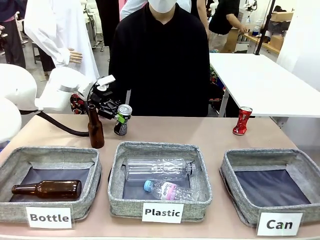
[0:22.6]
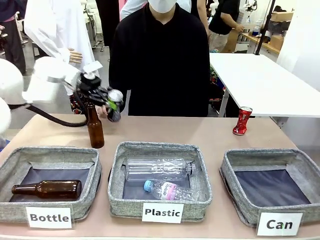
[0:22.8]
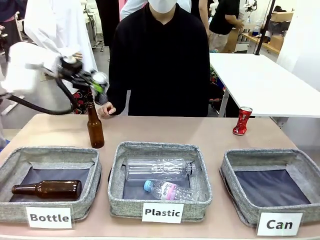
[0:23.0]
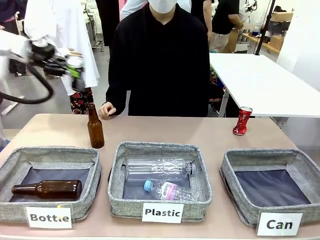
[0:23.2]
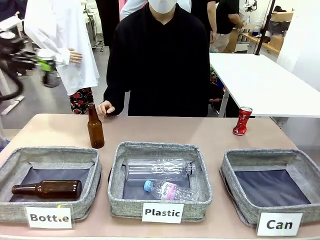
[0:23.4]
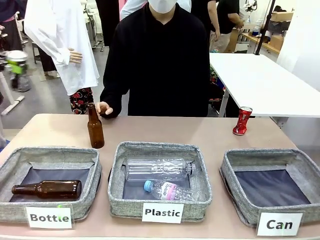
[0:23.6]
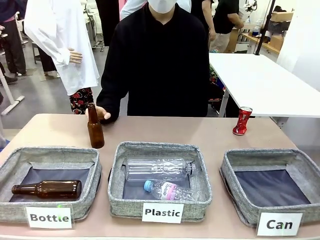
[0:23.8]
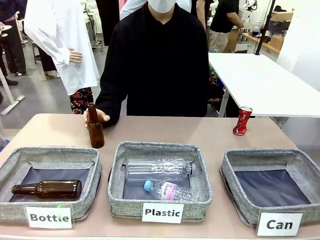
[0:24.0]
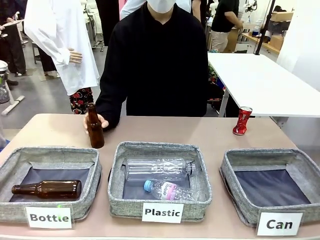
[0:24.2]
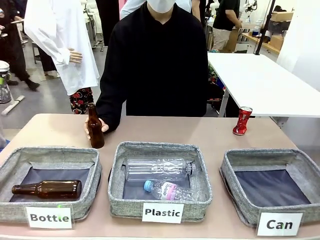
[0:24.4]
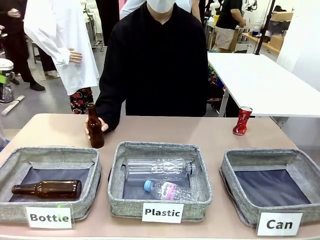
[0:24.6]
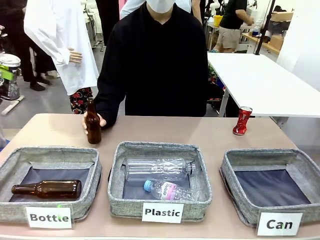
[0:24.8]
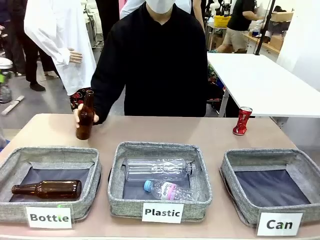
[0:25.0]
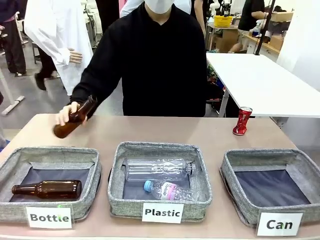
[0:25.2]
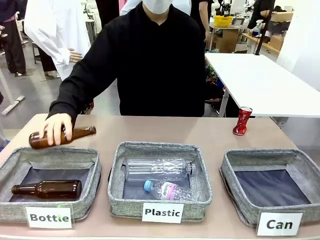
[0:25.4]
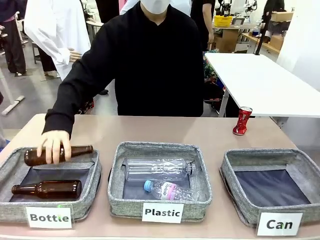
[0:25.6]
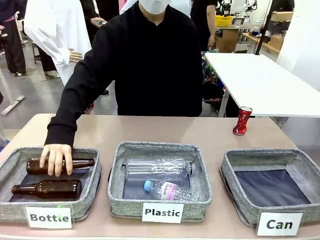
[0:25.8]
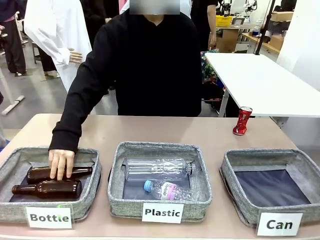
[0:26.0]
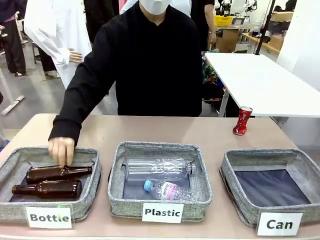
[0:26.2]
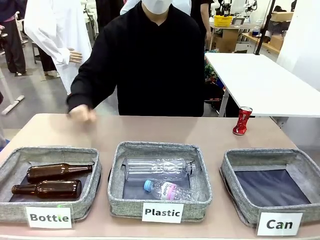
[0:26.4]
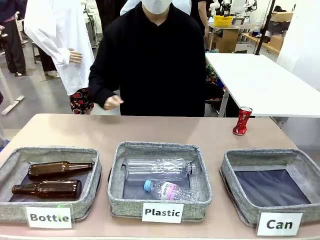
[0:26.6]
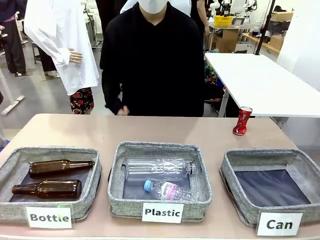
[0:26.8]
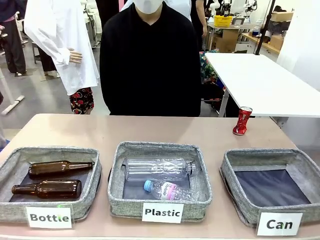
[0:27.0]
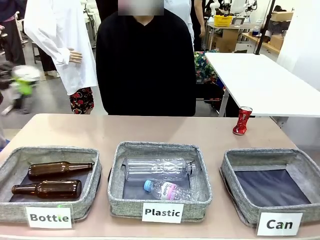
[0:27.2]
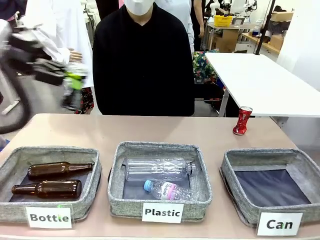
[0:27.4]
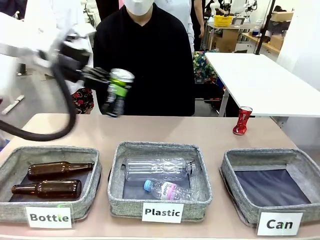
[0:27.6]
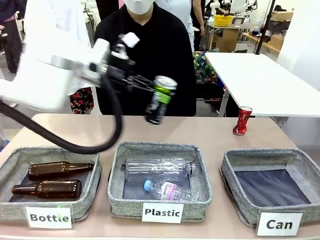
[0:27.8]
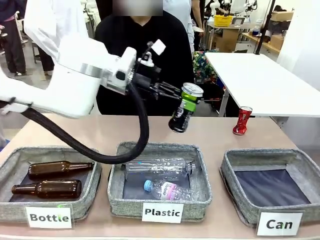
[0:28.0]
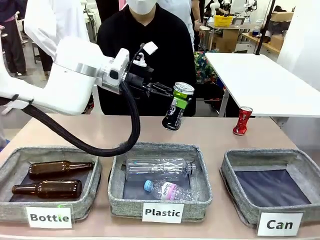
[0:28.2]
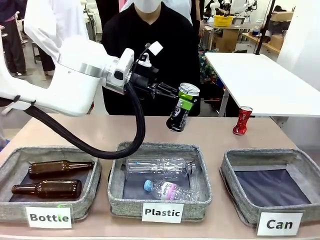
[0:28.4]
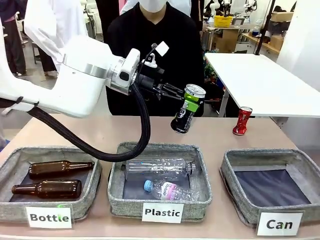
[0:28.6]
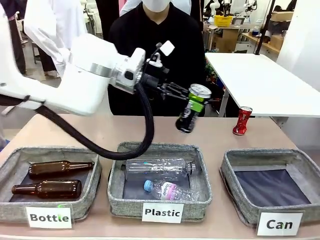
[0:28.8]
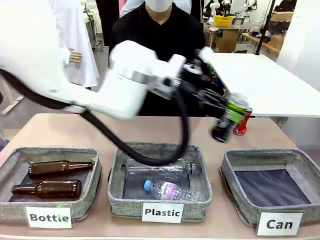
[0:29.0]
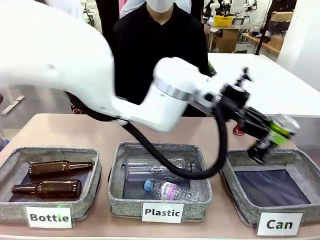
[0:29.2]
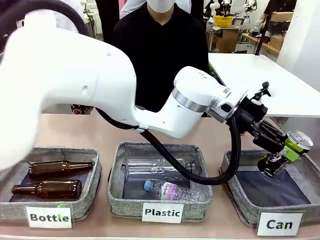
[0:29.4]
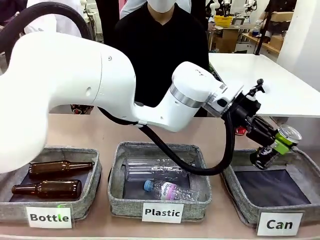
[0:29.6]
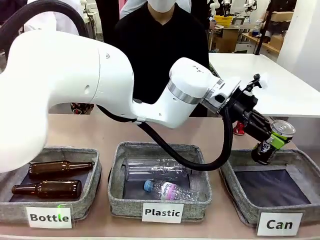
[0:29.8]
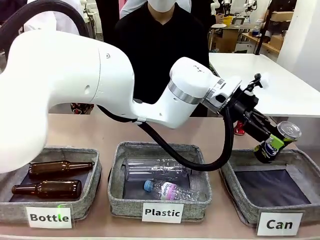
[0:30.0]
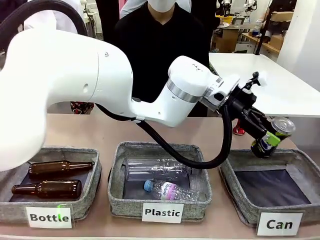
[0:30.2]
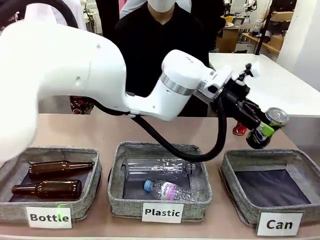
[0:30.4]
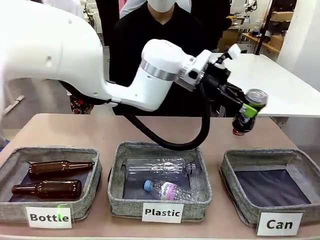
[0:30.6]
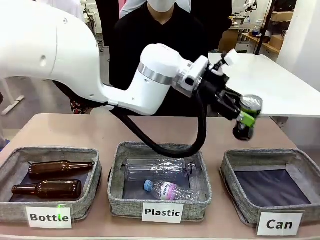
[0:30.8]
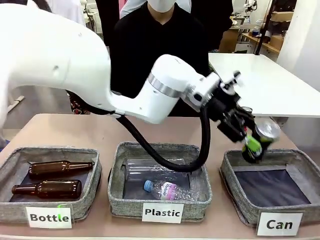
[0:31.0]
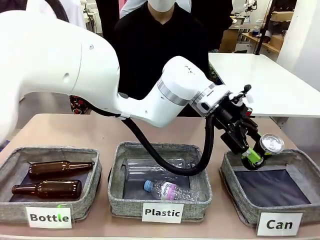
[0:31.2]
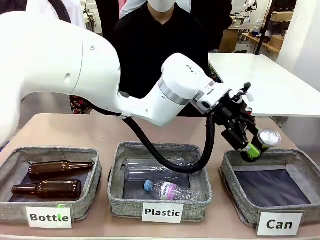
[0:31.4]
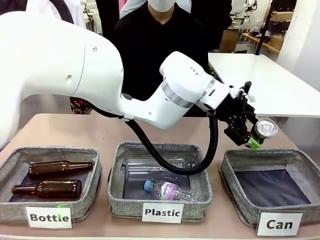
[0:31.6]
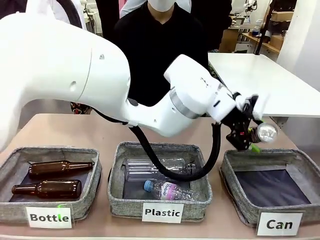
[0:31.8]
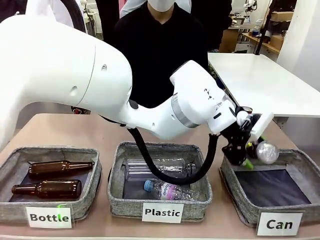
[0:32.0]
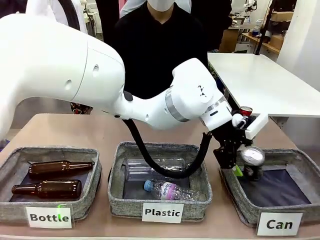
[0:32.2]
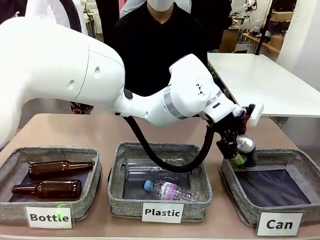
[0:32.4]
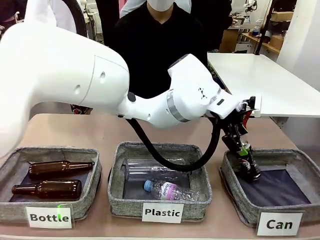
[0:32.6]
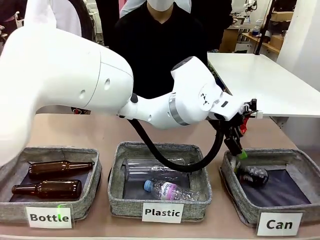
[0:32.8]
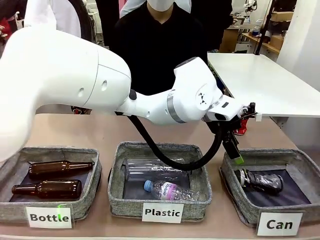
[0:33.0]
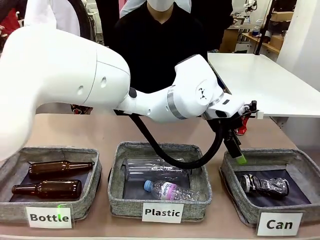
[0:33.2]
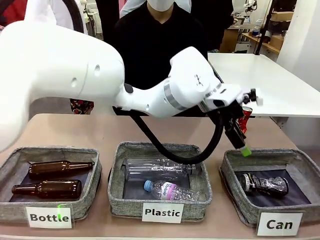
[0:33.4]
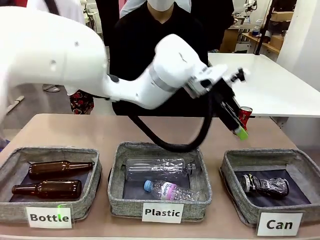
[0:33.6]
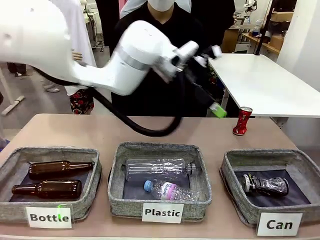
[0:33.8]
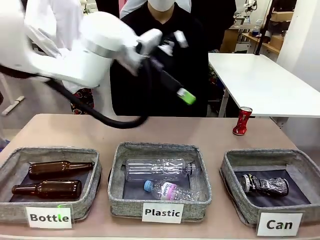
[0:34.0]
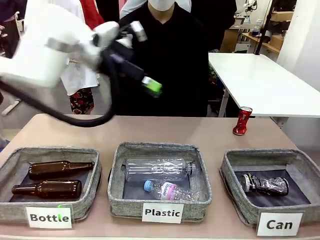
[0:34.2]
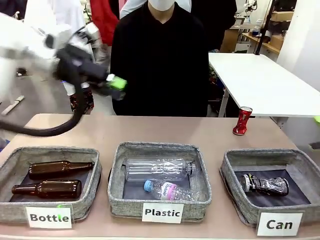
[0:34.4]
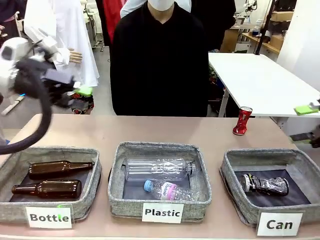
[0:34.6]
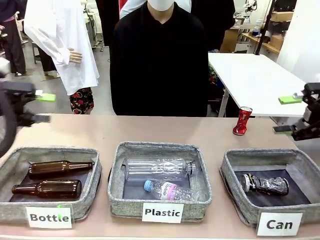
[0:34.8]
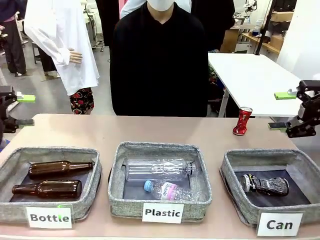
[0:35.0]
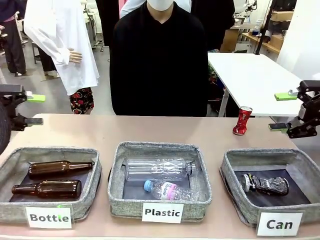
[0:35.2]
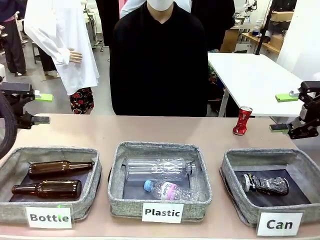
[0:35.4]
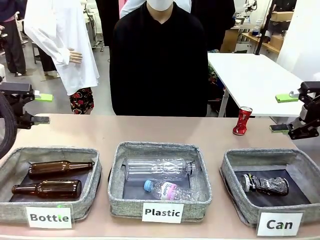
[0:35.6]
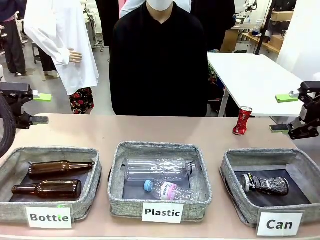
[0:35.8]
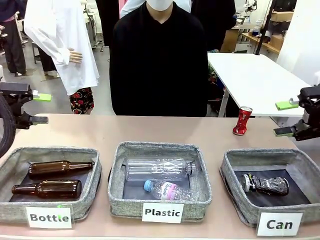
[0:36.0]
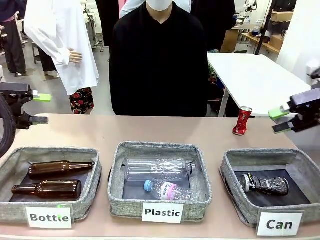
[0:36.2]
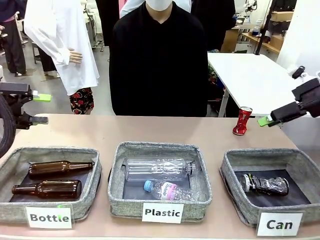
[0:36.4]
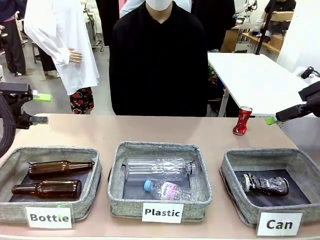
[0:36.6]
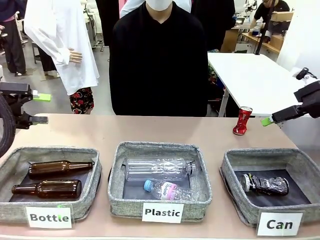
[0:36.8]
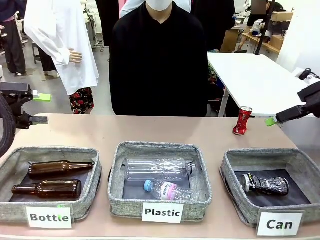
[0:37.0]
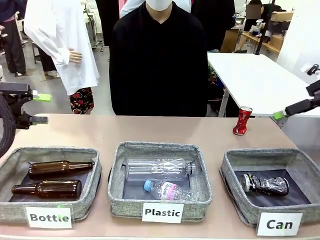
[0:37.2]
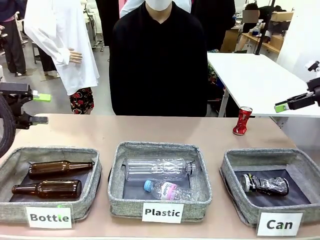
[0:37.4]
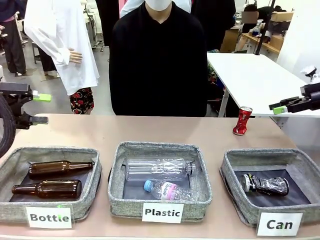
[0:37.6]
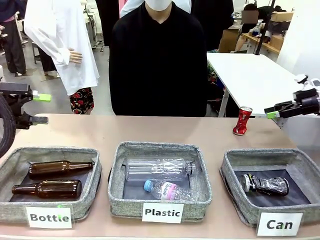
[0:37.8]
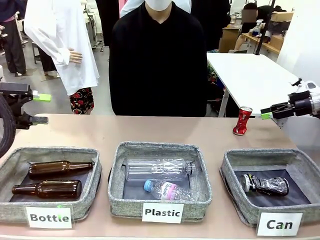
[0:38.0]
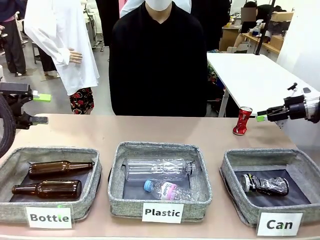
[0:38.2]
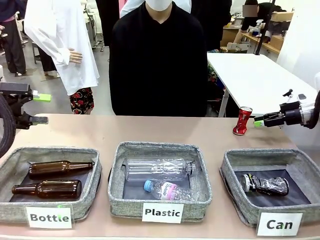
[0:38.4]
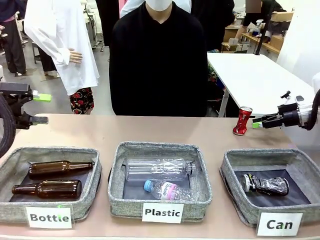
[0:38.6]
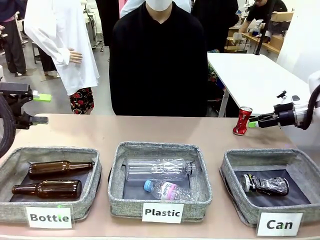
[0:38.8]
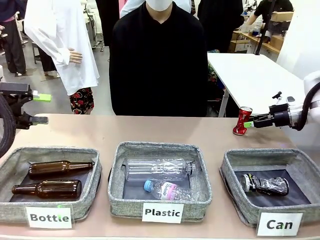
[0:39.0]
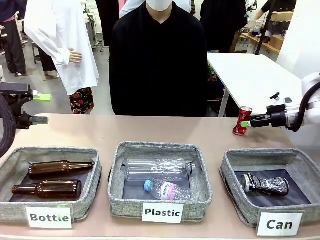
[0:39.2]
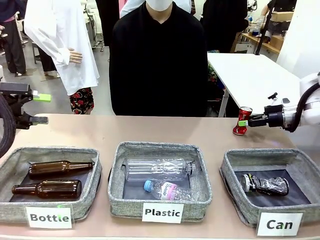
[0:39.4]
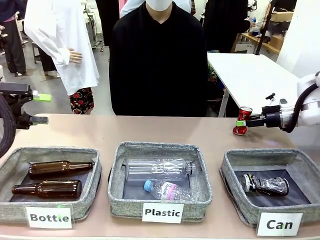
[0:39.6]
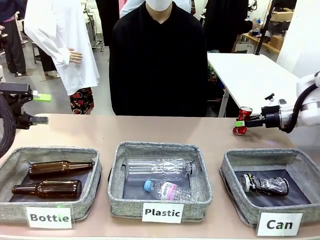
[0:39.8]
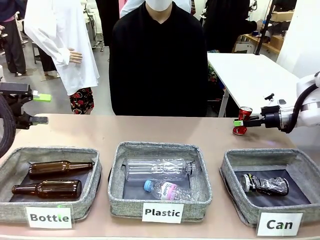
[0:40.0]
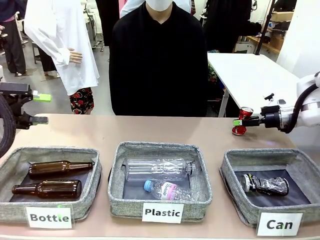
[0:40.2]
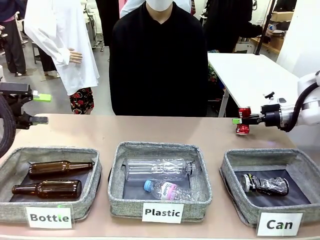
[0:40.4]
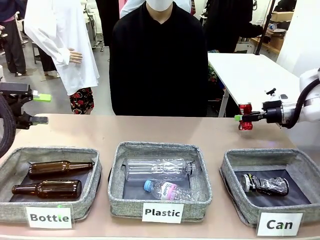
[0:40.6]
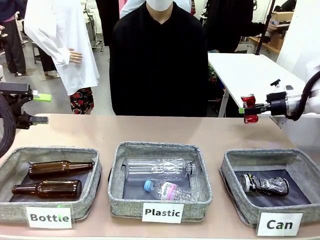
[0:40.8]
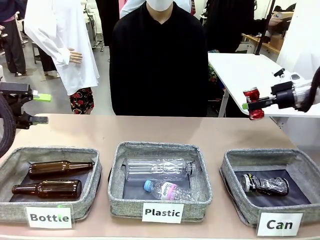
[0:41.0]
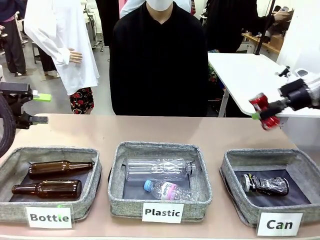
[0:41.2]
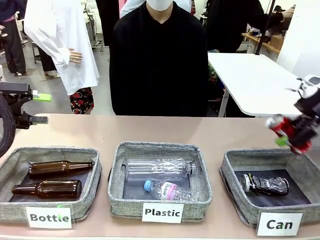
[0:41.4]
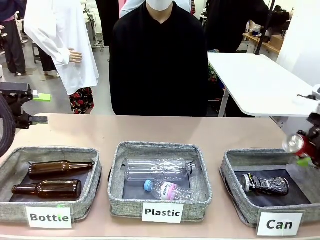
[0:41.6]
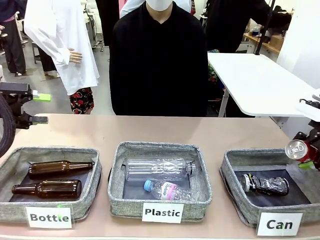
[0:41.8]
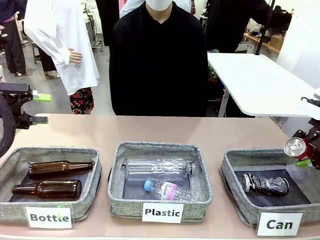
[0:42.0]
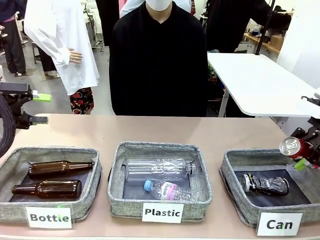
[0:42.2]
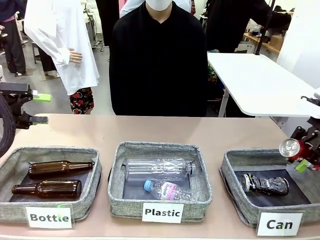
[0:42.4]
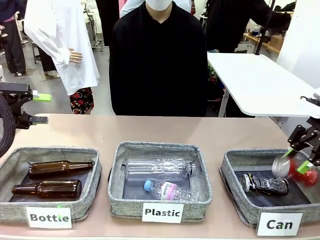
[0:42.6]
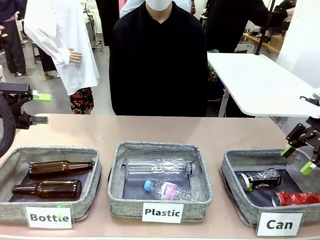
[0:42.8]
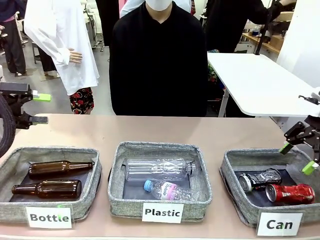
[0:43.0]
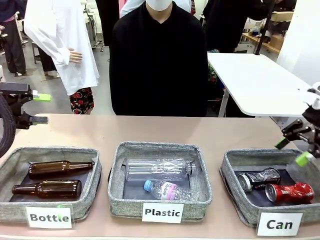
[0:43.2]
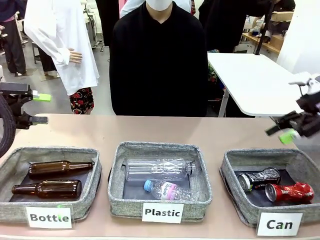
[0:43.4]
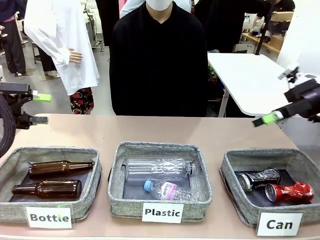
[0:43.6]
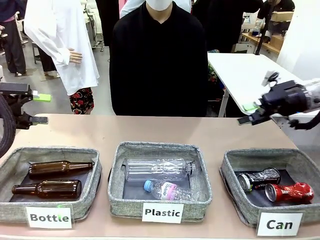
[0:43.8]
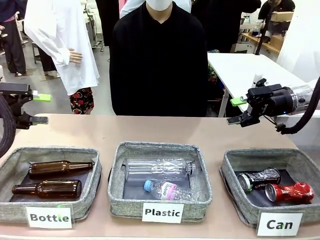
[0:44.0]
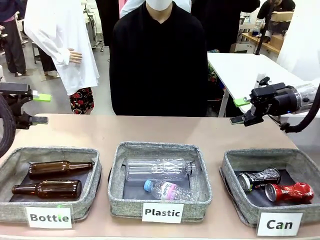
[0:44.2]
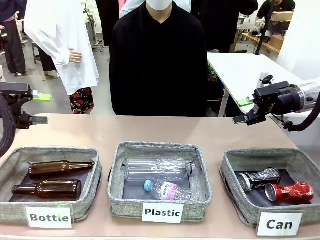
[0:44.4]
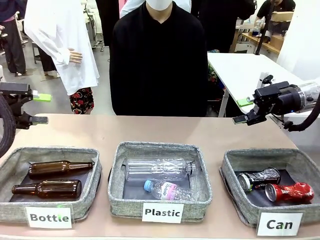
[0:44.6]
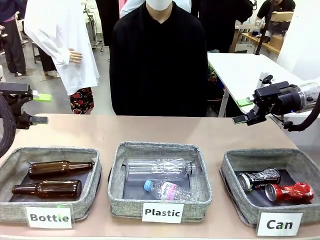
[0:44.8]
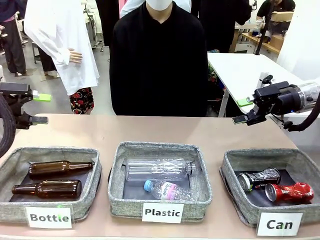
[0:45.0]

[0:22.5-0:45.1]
Task: Sort the can waste into the basket.
Robot: Pick up the can waste from the table and place it in the right Fabric basket.
Person: The human picks up one piece of trash that is not a can and places the trash into the appropriate organizing basket.
